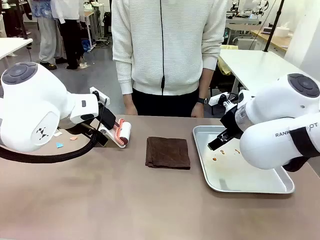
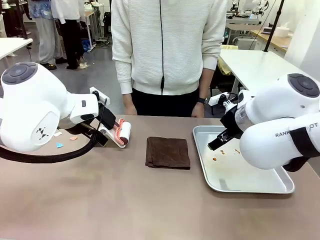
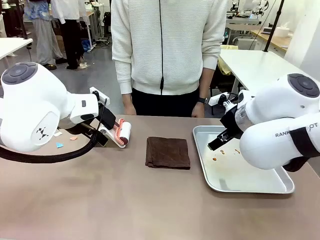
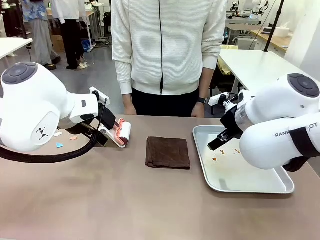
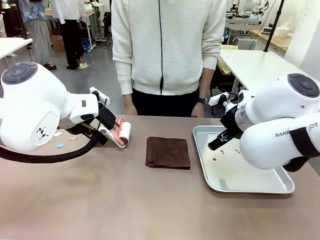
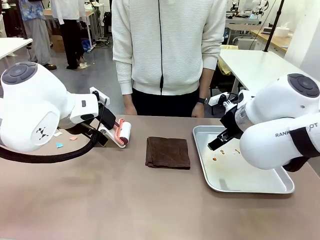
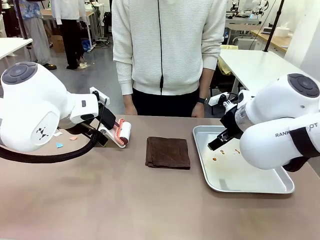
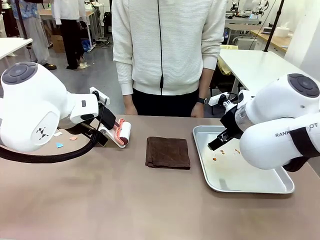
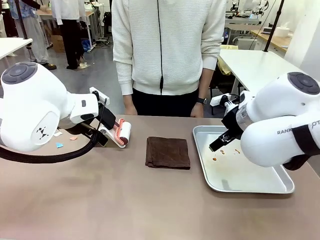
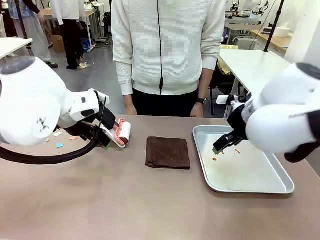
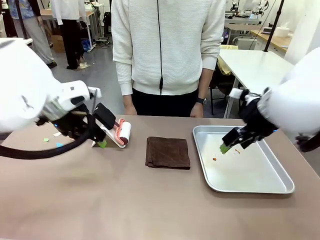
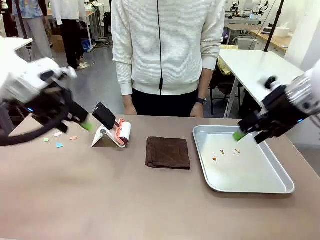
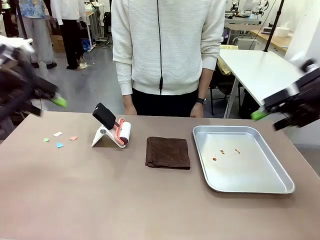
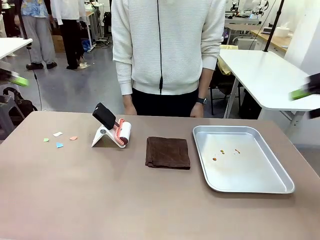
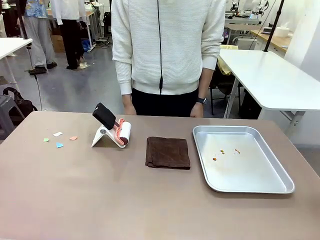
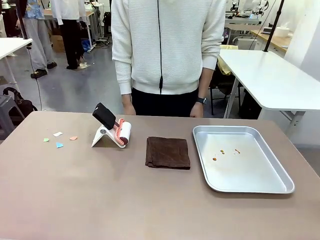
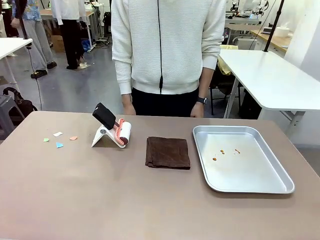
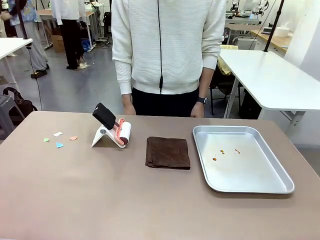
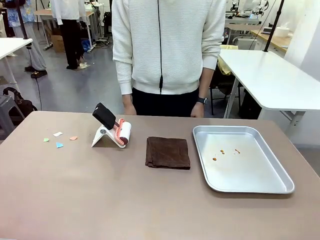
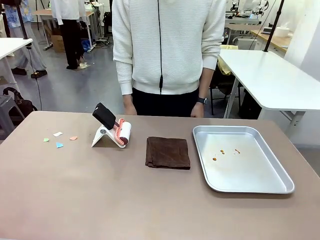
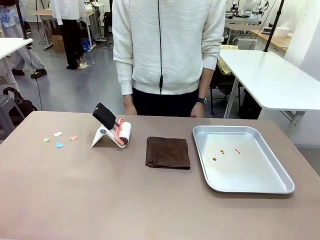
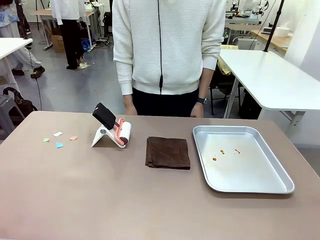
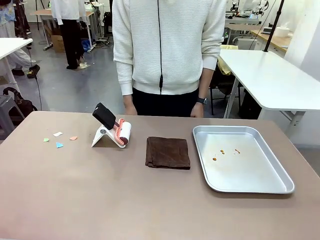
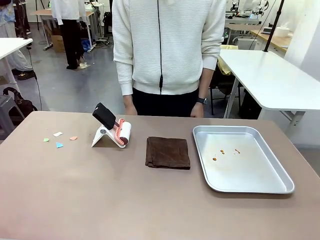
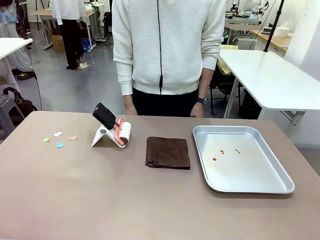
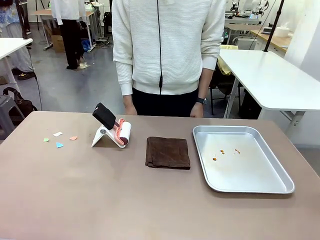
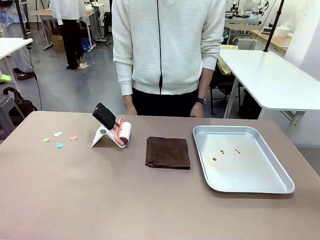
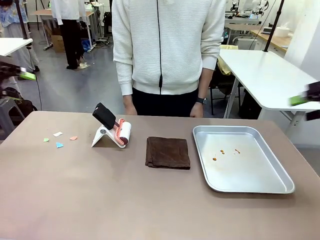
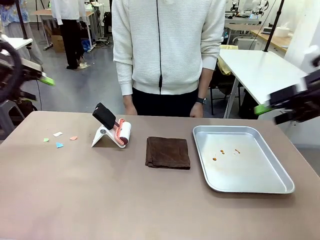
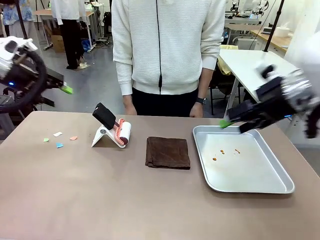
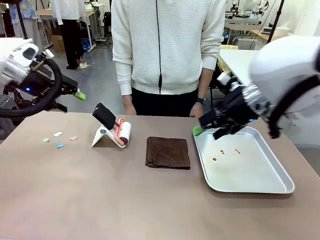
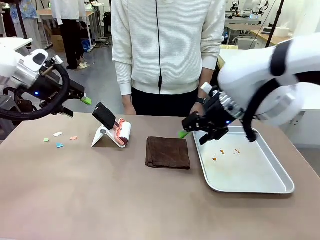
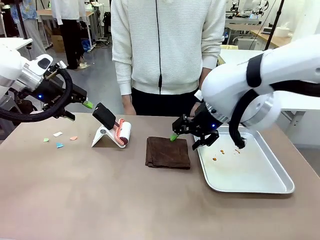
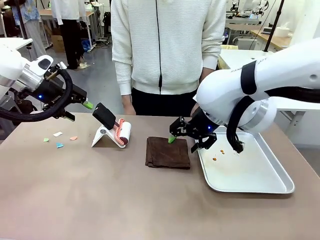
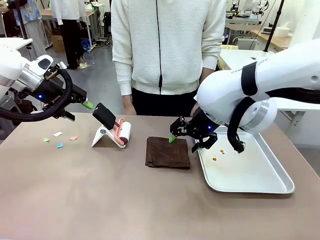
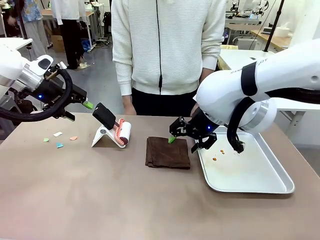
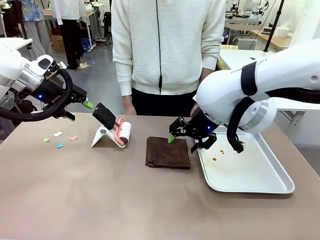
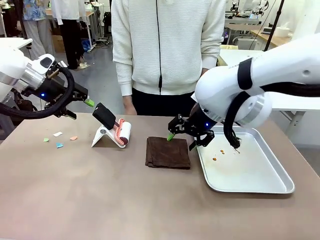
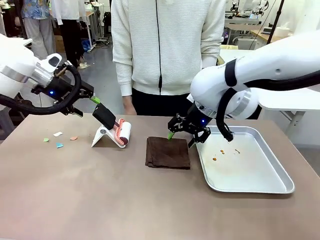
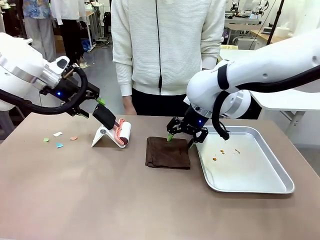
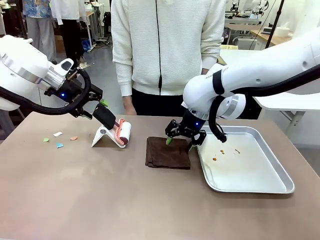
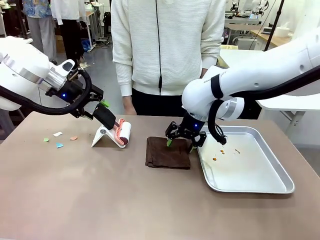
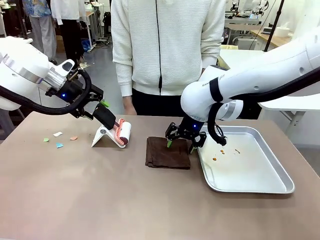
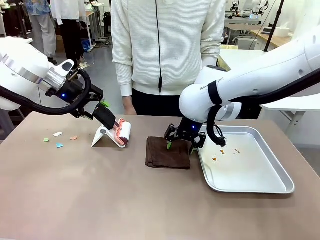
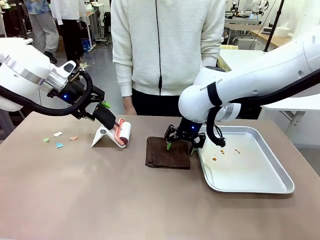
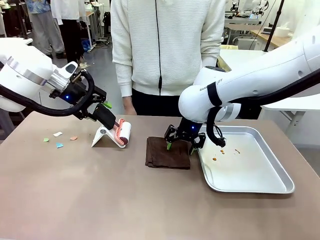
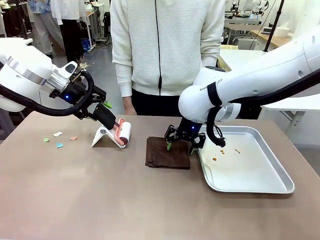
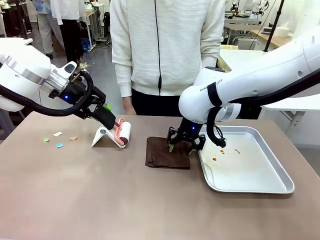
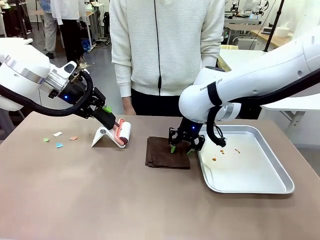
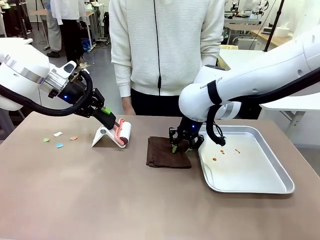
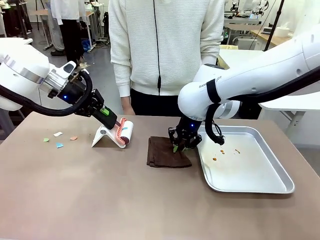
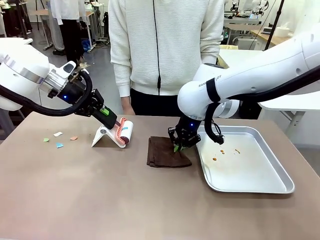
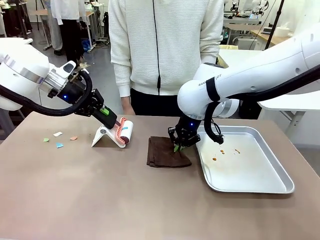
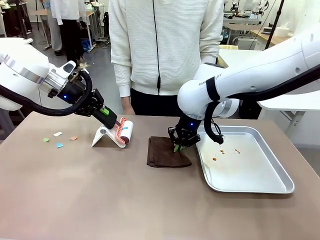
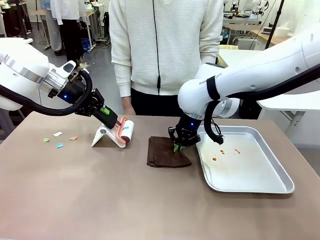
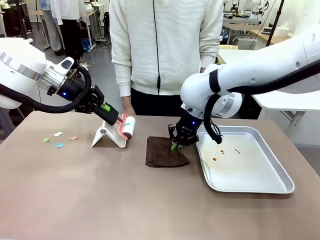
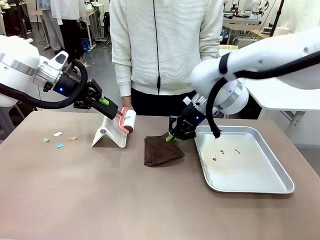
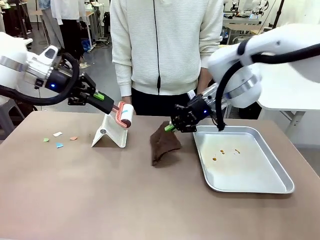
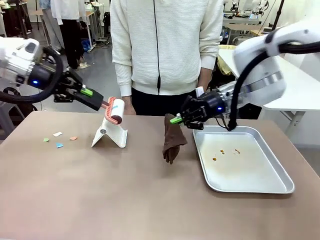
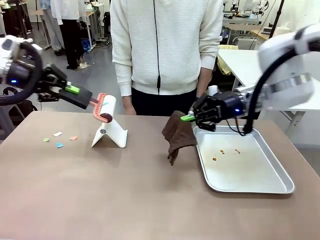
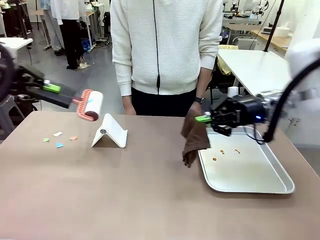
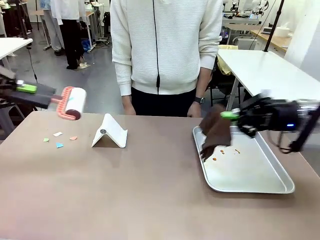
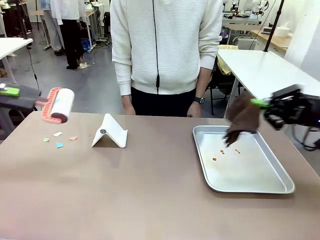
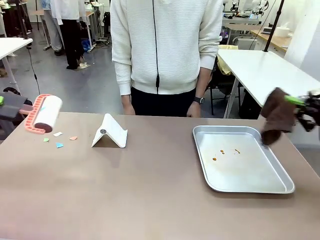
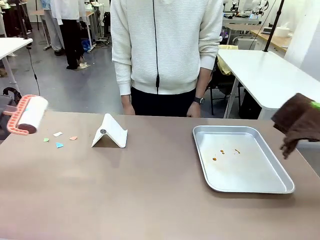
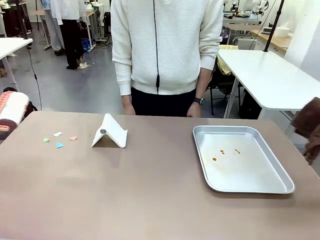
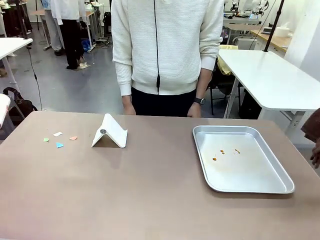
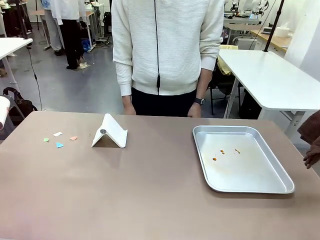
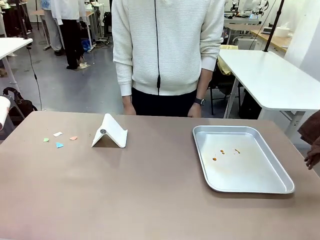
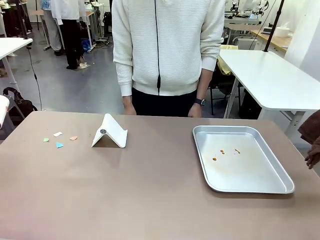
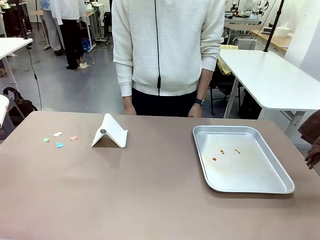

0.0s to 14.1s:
Task: Clean the surface of the table.
Robot: Hold the Lint Roller with your left hand and the towel with your right hand.
